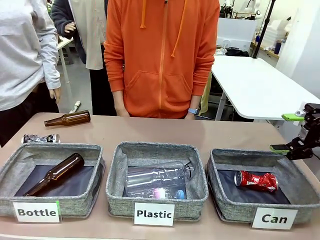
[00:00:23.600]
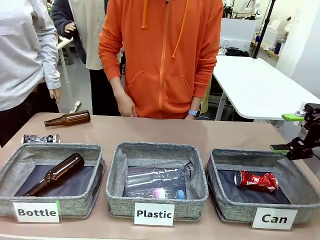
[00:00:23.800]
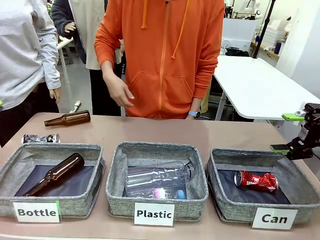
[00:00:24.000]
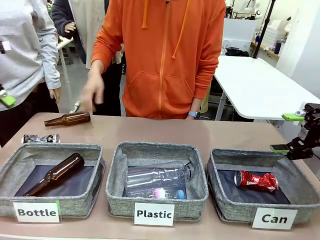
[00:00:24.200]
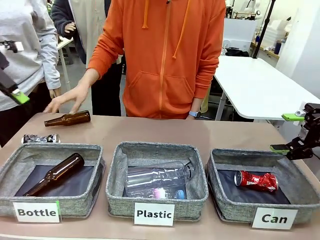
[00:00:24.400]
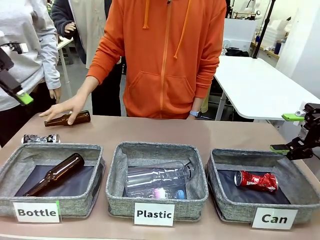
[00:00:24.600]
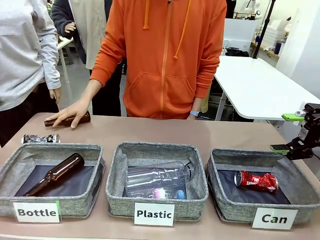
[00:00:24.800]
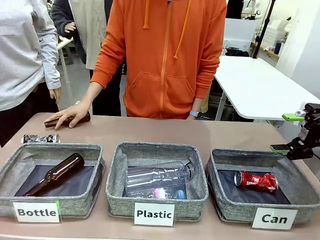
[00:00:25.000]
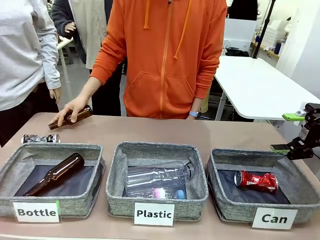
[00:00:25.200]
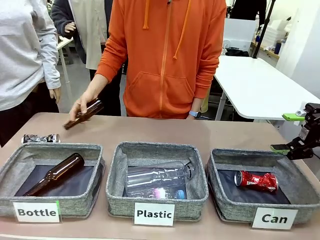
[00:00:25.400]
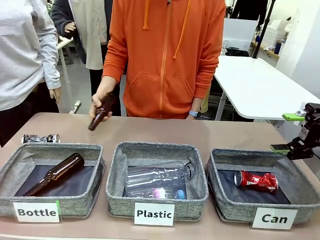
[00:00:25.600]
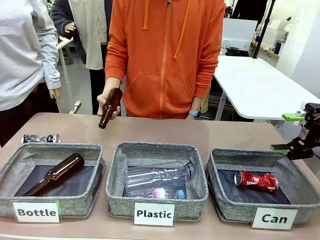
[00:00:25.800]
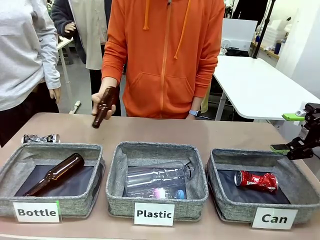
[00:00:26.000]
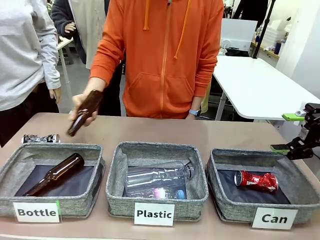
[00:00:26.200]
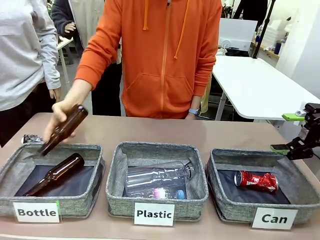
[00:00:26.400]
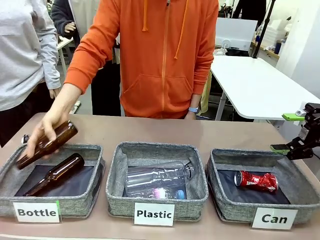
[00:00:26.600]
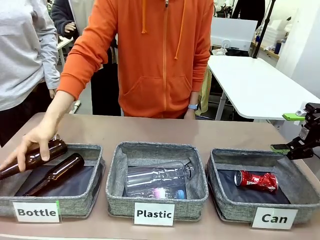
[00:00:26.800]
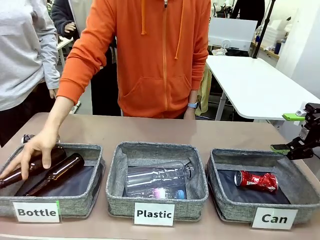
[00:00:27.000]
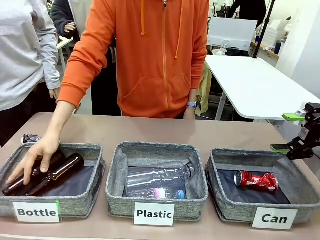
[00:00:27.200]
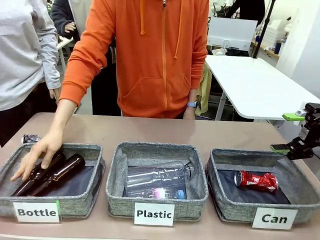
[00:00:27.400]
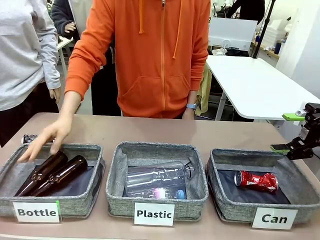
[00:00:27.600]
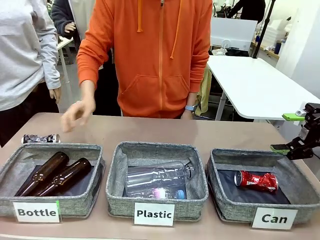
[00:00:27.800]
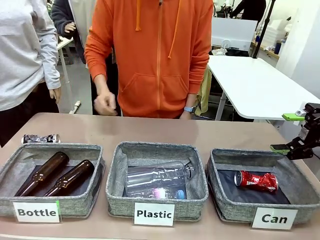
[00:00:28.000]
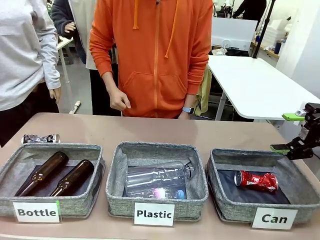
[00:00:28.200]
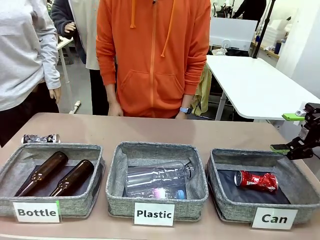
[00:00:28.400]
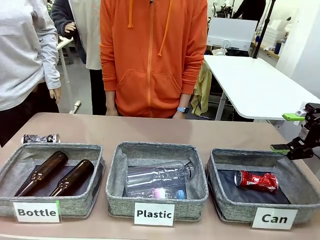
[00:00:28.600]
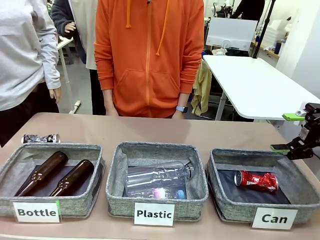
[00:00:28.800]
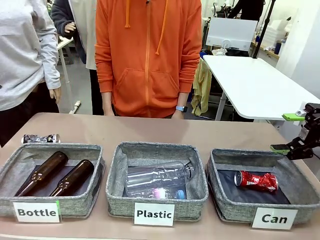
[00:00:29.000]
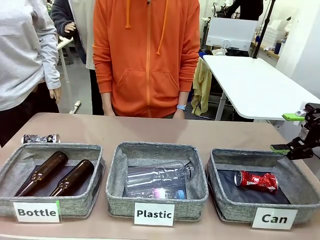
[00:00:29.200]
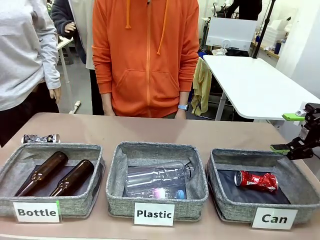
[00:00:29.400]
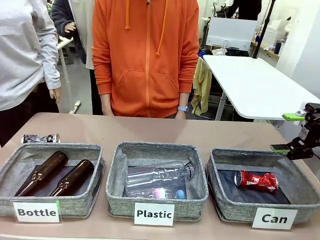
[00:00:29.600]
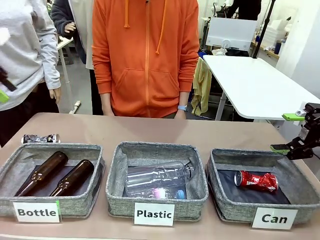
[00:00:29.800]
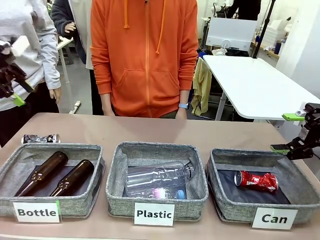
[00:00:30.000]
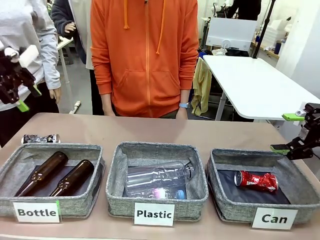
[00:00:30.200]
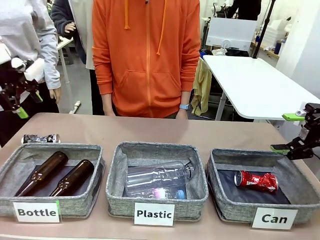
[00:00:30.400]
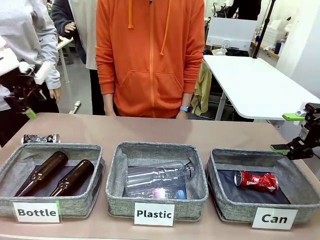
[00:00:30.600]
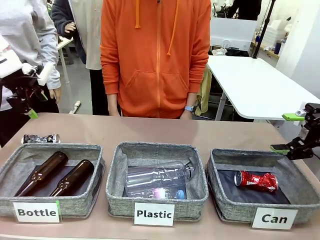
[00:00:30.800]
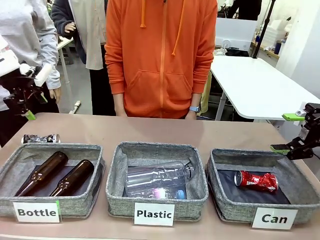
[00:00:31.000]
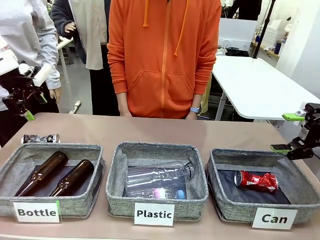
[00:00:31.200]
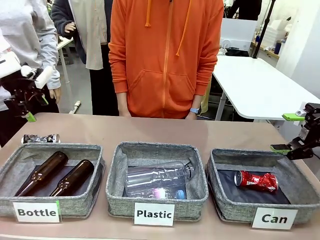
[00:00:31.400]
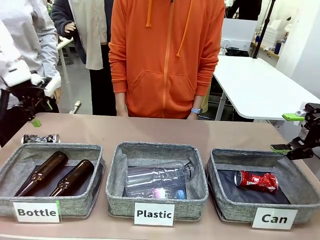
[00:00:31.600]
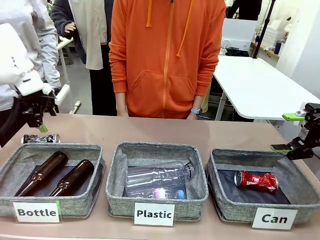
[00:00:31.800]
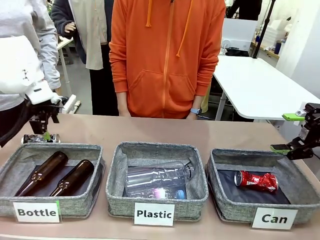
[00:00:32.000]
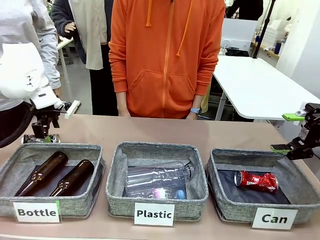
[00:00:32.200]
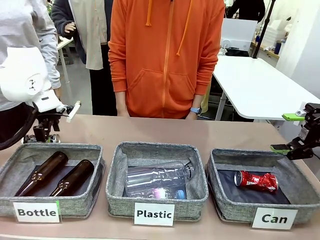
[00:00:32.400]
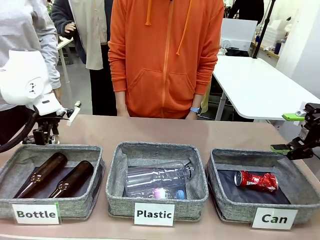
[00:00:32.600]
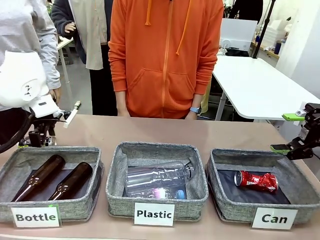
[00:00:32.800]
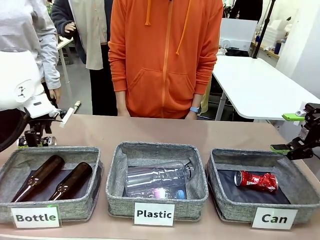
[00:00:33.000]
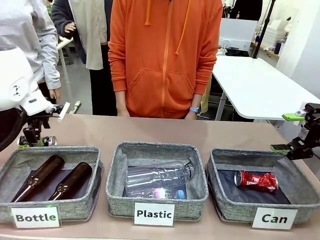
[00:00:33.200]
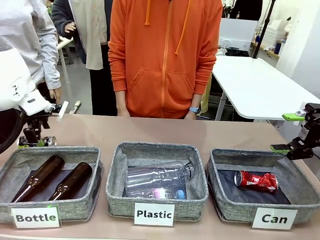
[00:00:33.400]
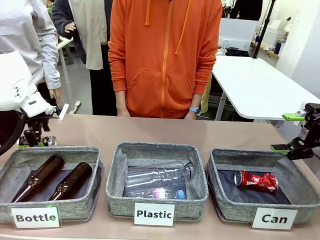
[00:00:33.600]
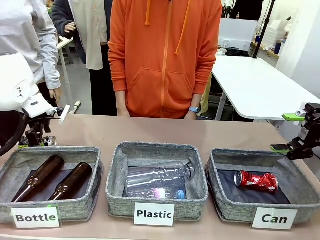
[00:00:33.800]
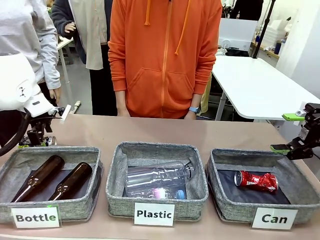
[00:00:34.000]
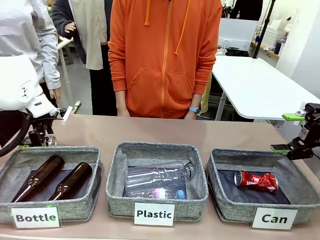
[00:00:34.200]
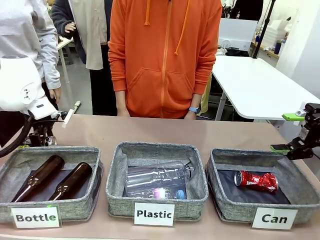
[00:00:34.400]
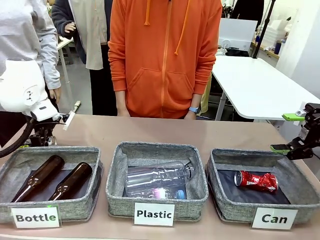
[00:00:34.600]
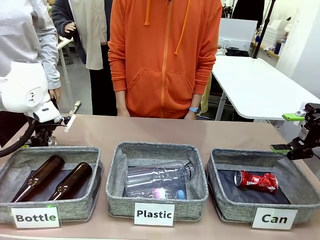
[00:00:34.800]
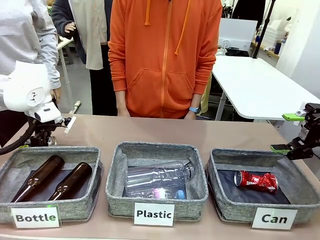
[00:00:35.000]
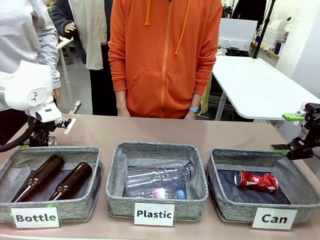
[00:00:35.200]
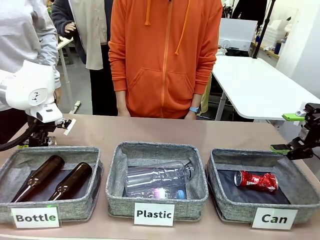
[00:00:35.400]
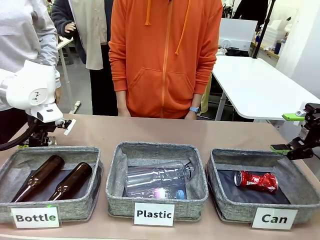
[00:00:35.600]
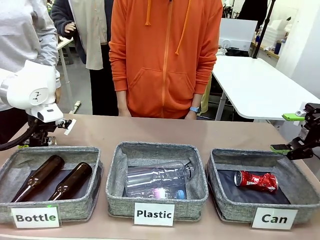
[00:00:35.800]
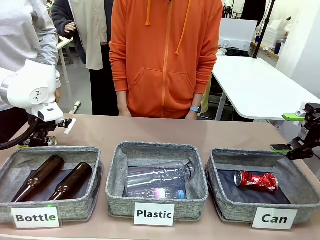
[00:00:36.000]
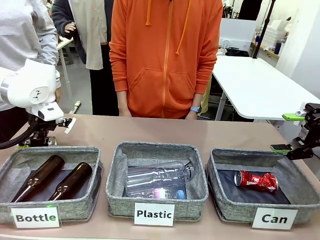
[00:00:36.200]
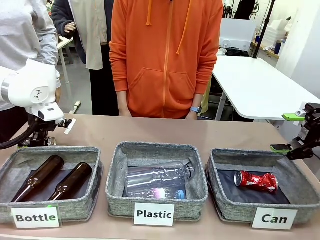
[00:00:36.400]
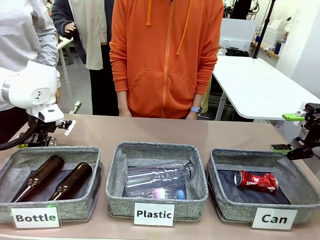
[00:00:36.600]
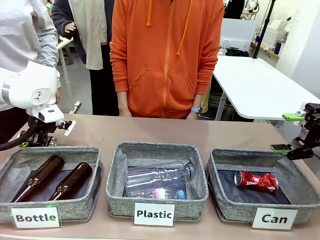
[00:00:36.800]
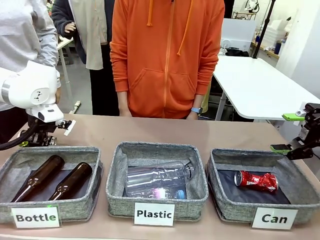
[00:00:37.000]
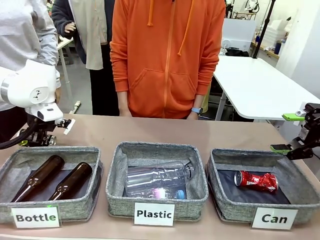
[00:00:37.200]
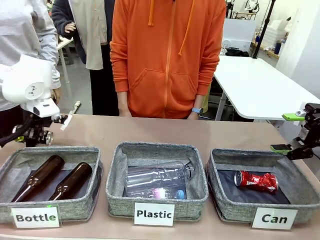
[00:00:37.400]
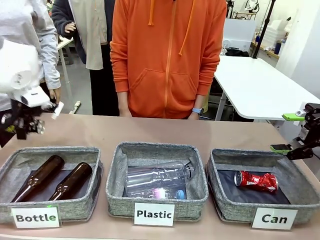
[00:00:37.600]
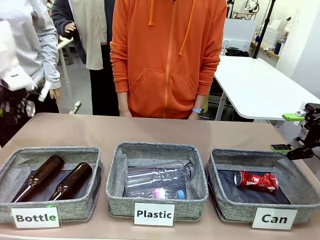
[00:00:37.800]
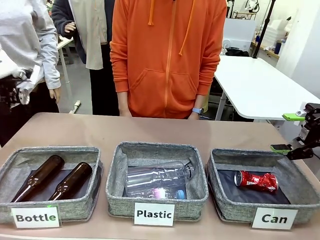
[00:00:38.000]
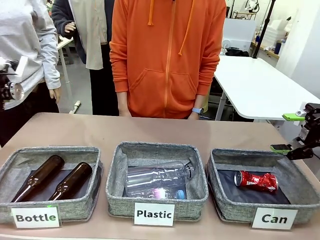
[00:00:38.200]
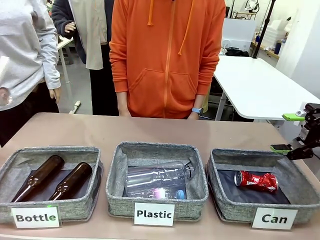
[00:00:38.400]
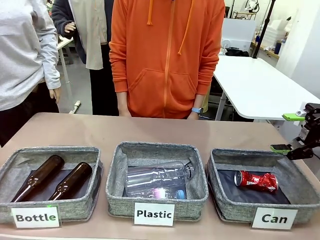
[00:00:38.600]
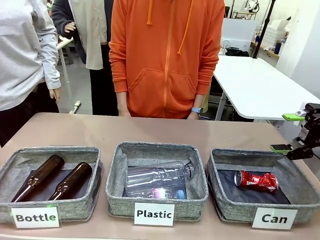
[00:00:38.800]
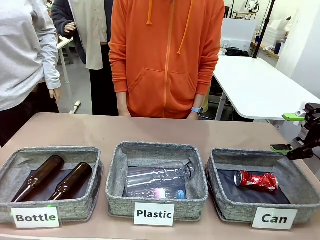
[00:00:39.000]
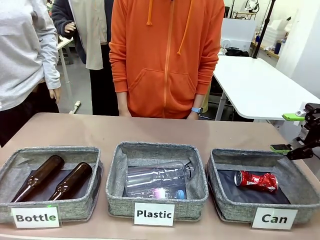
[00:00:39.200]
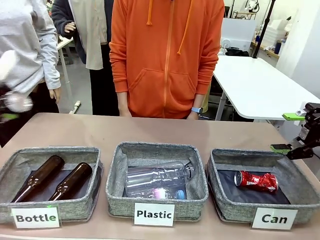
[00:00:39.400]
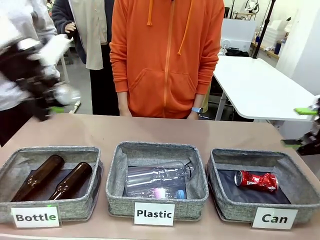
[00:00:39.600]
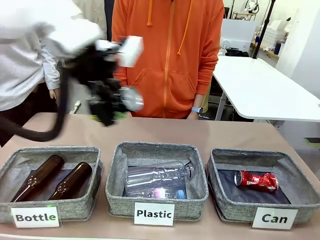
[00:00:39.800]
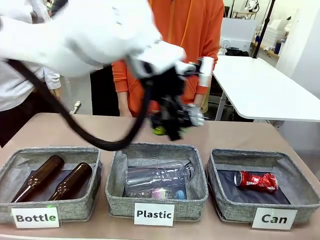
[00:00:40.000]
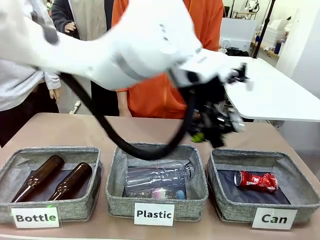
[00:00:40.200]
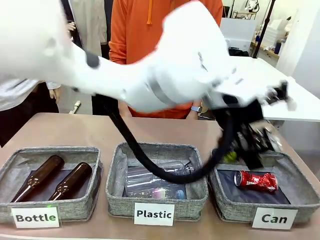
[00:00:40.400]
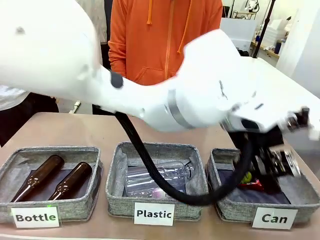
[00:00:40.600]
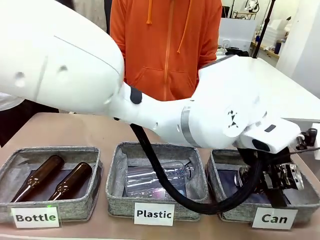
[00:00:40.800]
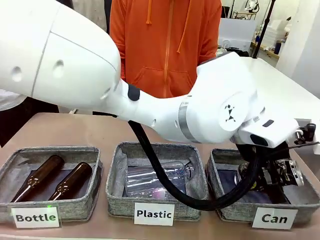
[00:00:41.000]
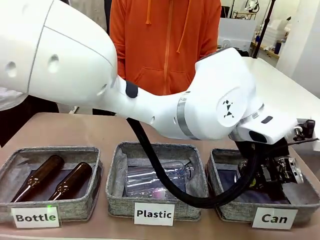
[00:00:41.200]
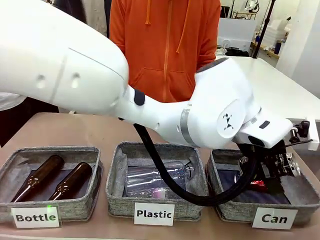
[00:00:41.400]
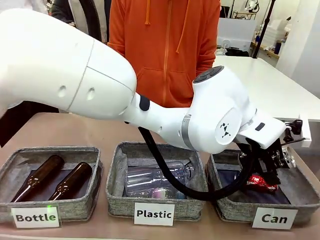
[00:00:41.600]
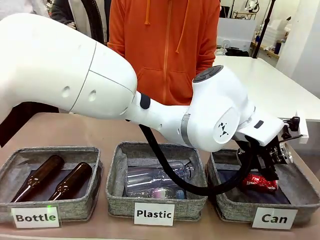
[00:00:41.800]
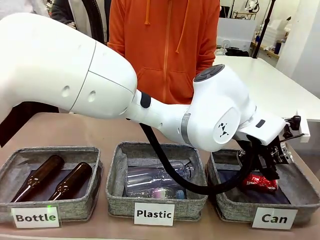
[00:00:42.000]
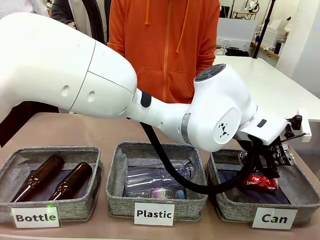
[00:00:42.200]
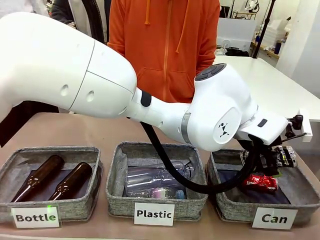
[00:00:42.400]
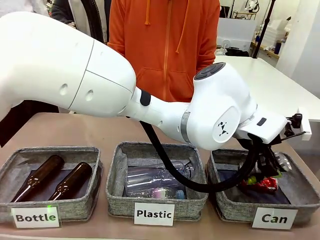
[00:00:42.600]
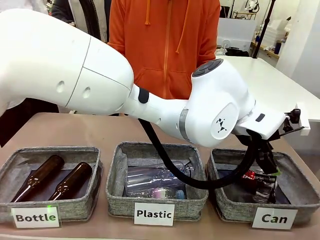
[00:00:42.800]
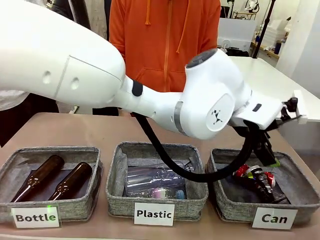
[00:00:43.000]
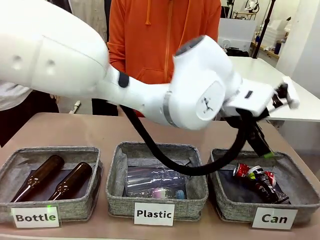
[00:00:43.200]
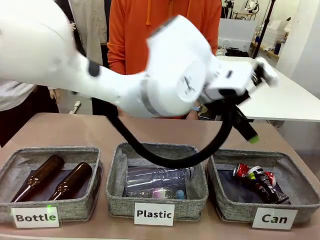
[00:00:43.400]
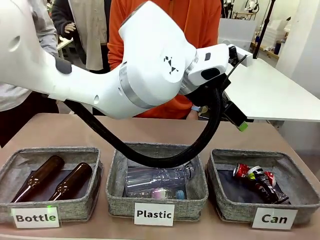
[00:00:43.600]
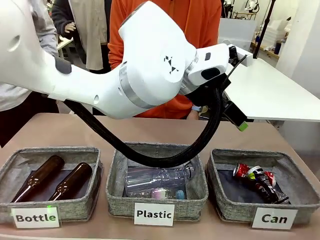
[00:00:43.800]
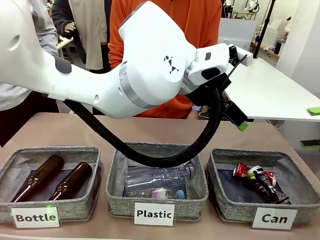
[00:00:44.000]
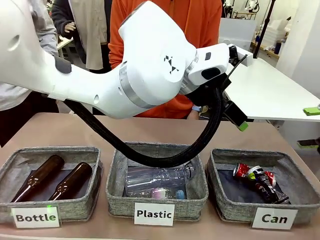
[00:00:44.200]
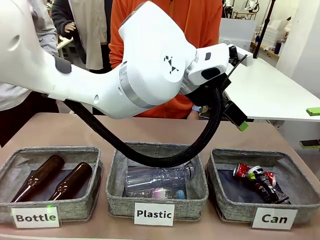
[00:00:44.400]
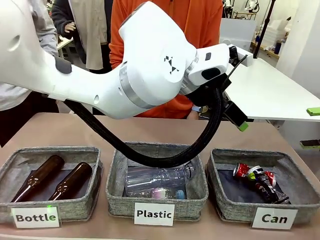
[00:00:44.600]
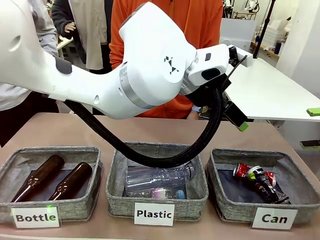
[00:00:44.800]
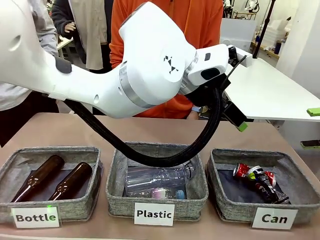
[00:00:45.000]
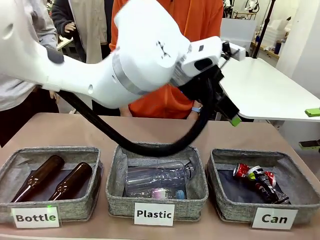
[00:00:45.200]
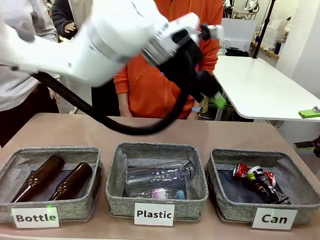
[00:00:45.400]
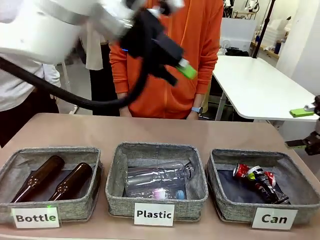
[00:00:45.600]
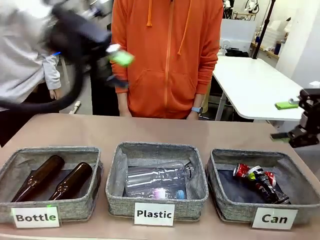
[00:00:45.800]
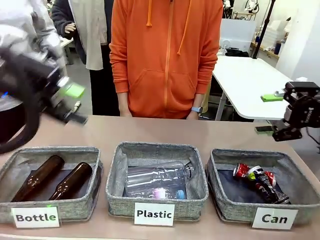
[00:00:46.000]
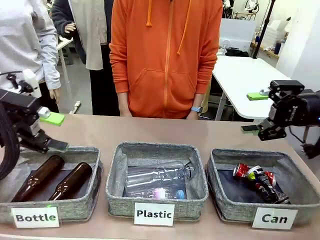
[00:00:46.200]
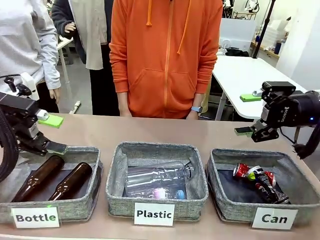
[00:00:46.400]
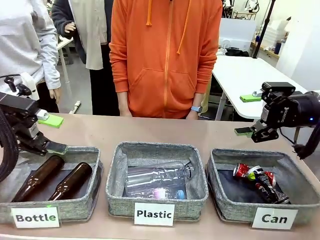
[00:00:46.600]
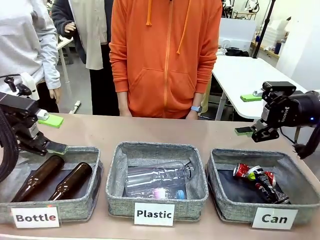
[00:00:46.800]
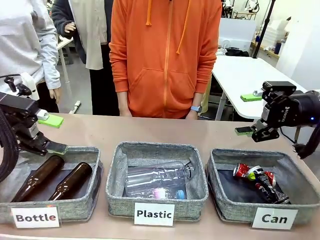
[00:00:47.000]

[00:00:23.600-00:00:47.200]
Task: Sort the can waste into the basket.
Robot: Pick up the can waste from the table and place it in the right Fabric basket.
